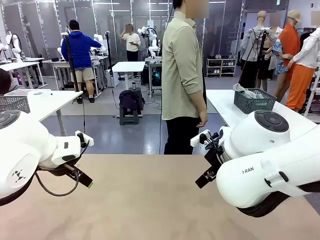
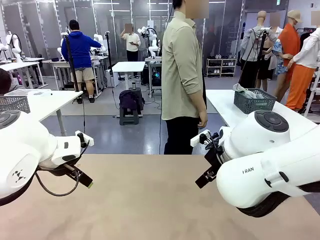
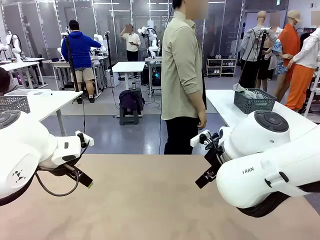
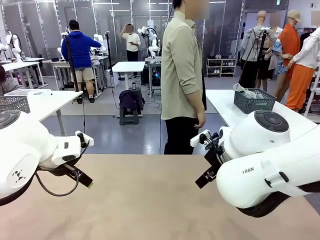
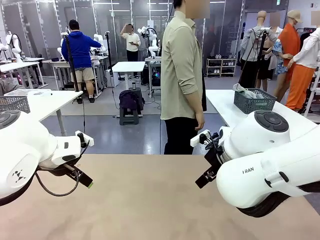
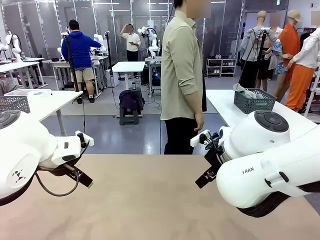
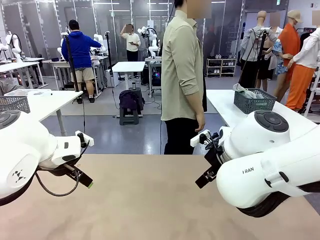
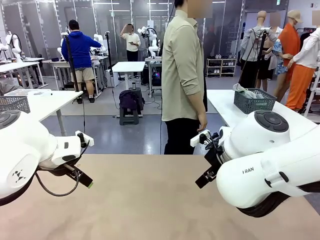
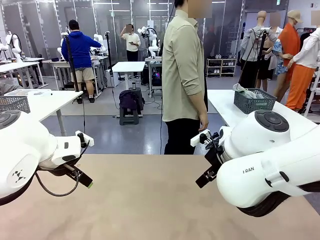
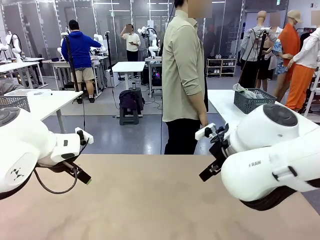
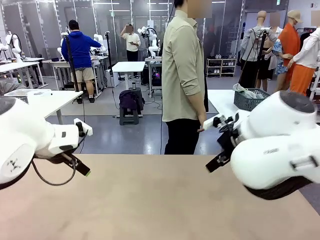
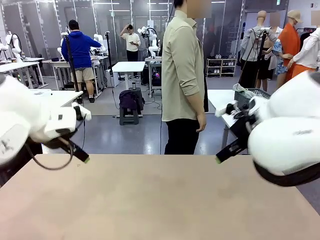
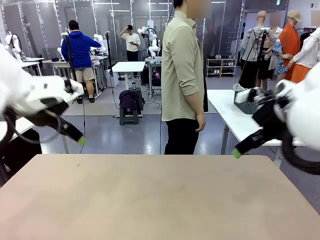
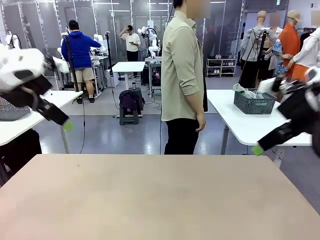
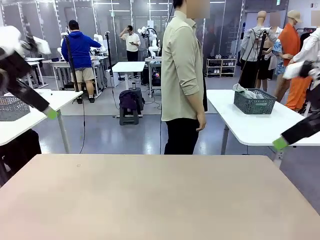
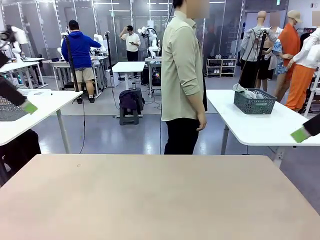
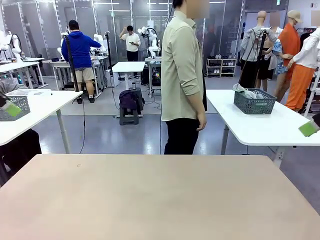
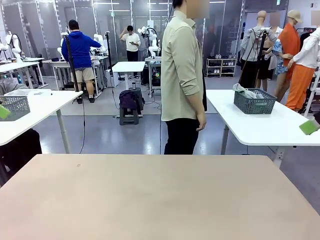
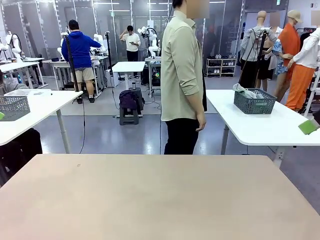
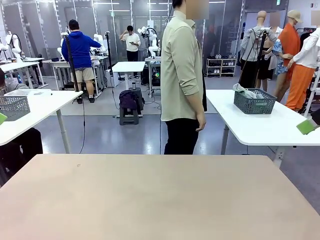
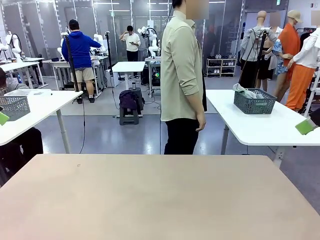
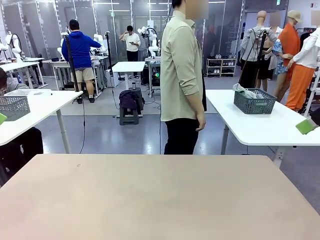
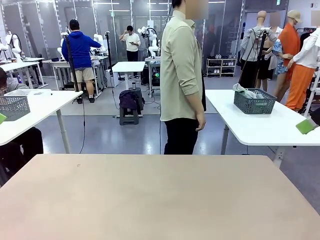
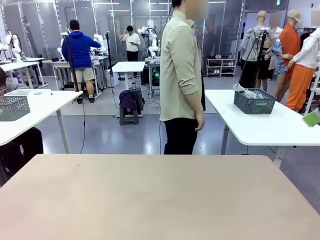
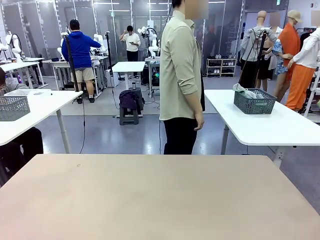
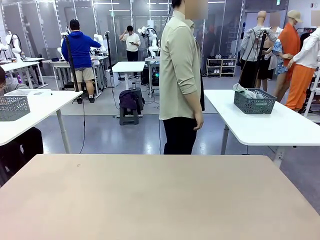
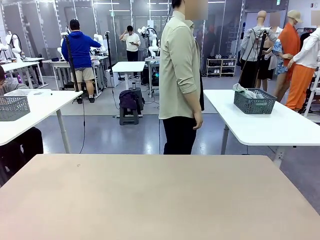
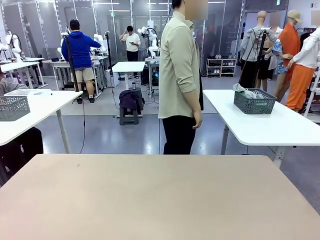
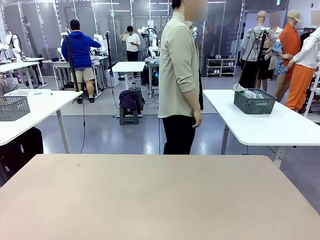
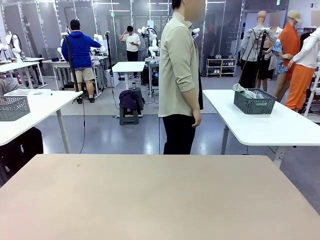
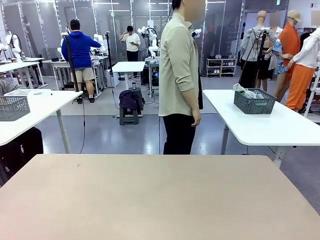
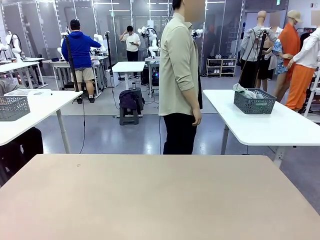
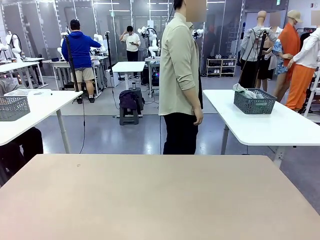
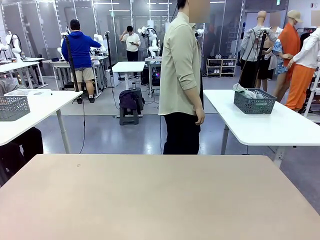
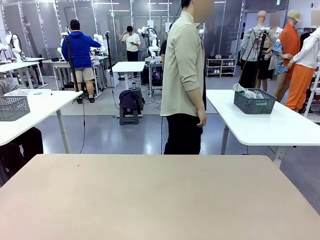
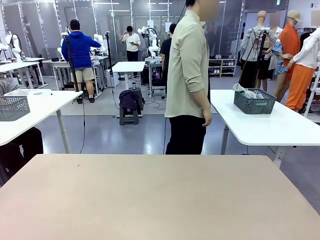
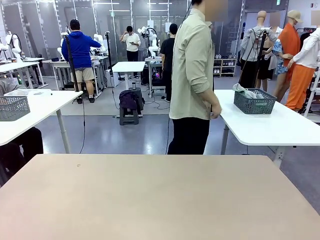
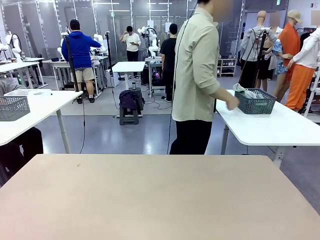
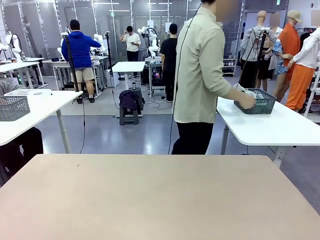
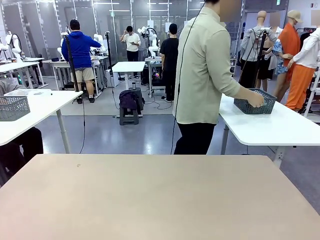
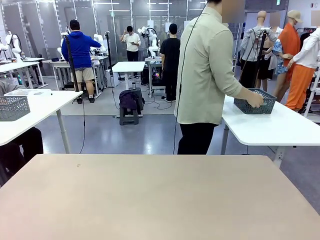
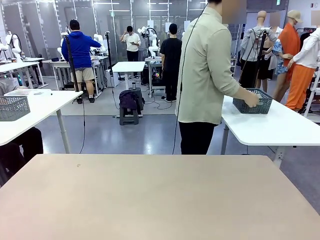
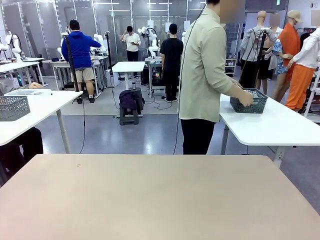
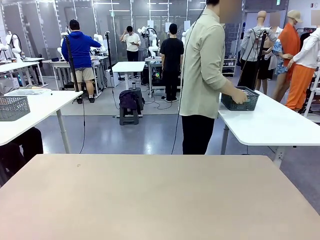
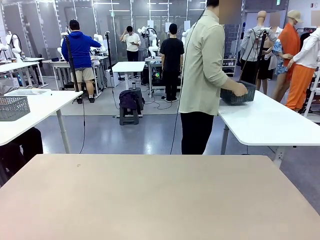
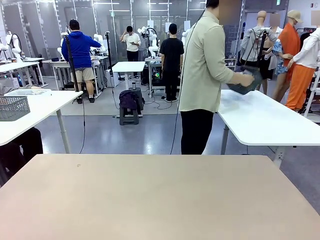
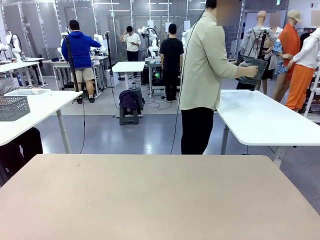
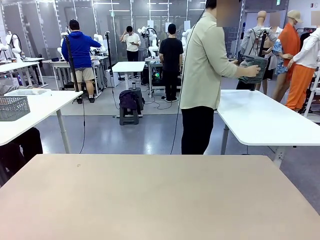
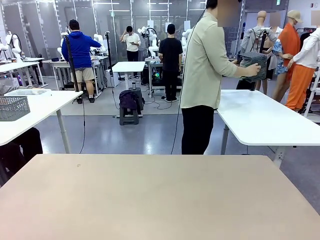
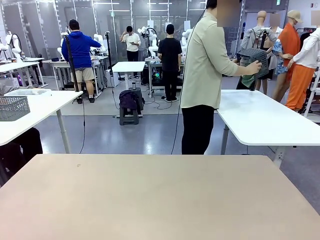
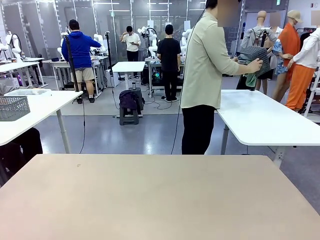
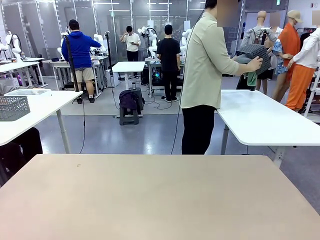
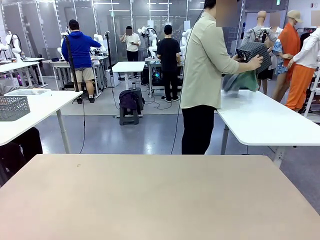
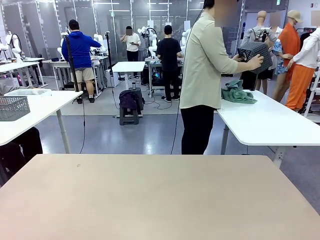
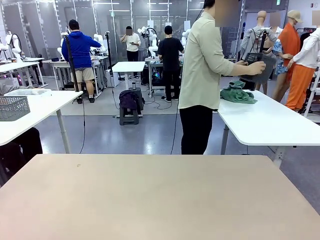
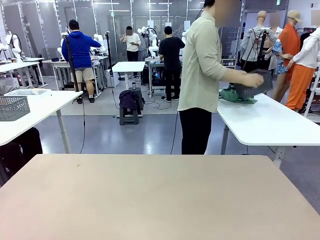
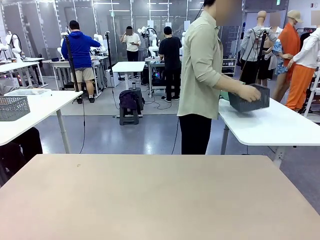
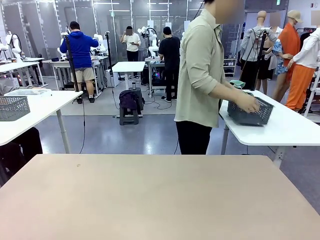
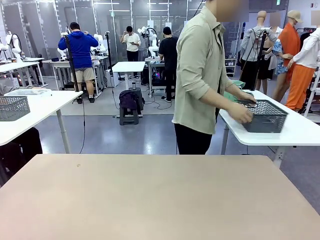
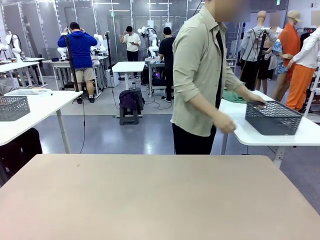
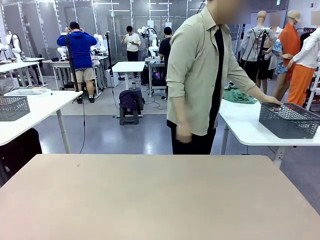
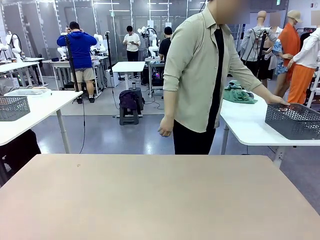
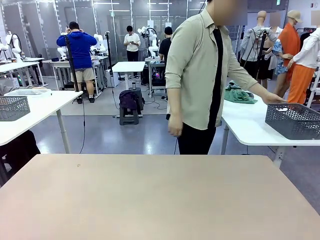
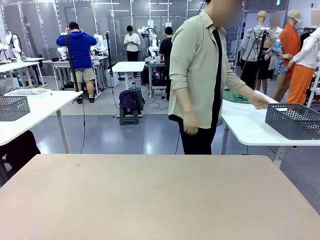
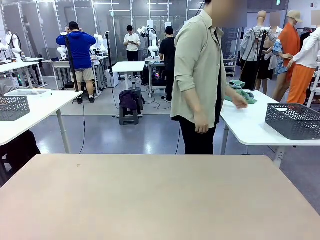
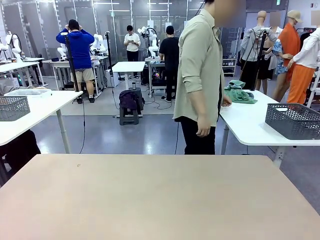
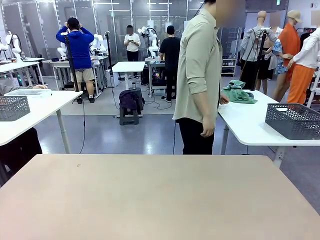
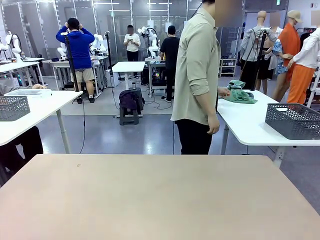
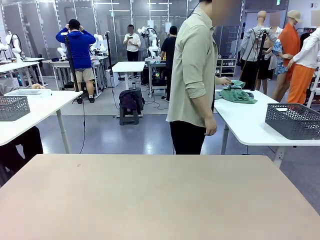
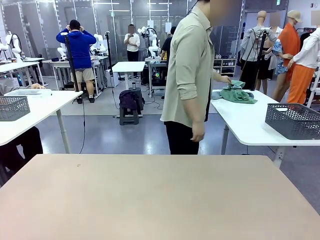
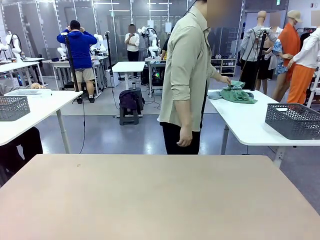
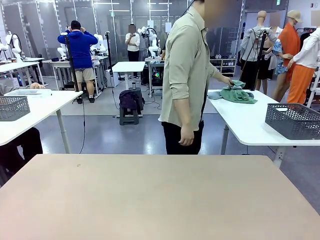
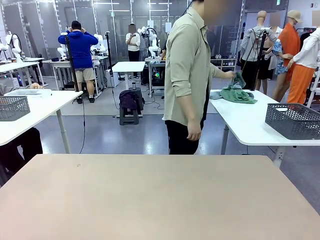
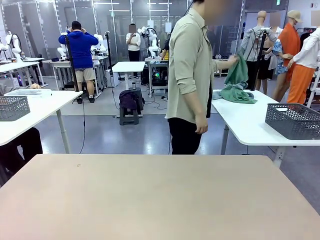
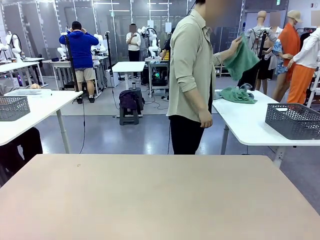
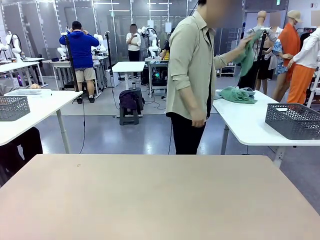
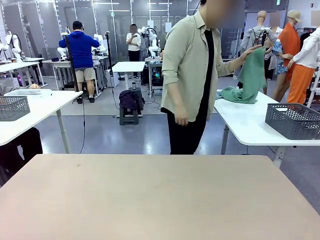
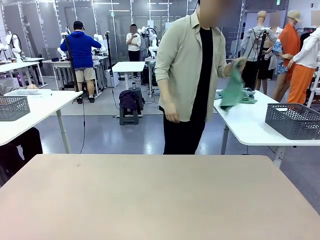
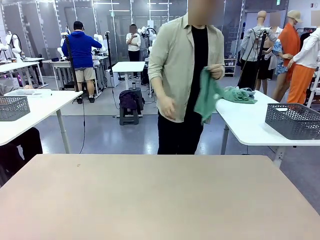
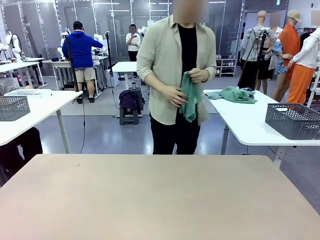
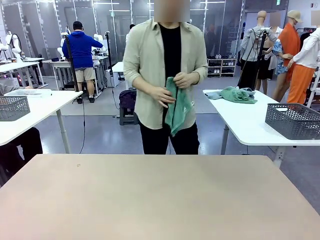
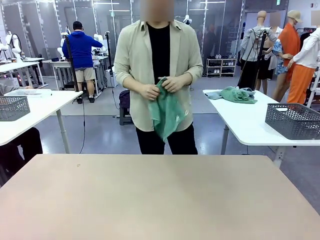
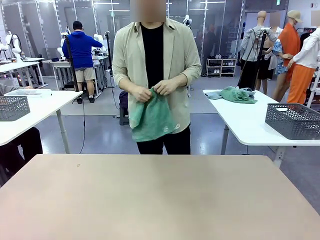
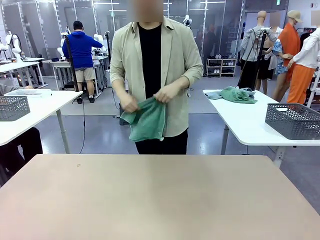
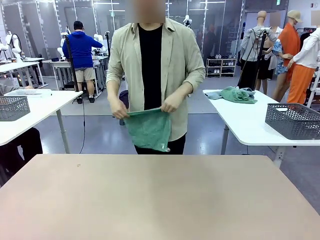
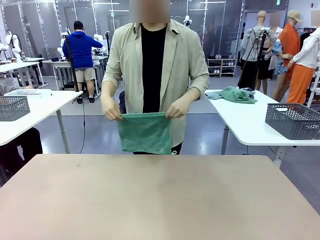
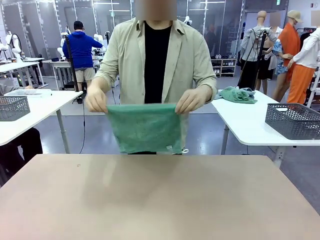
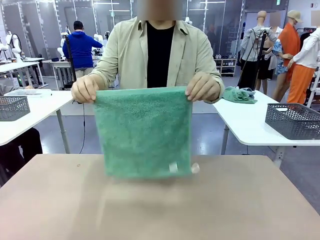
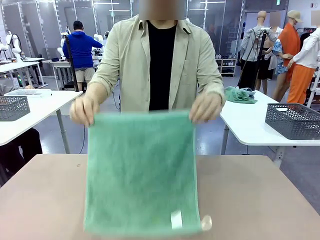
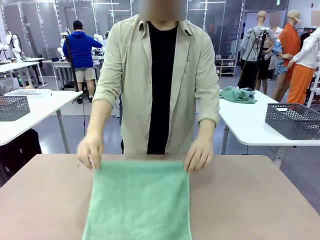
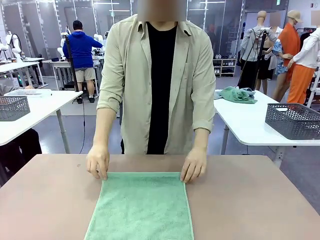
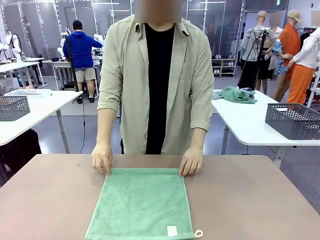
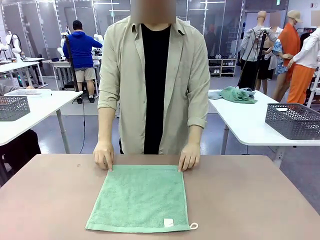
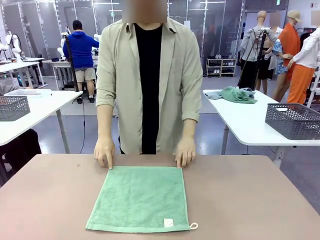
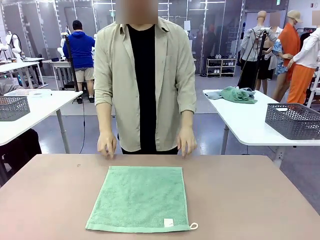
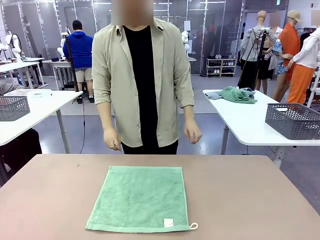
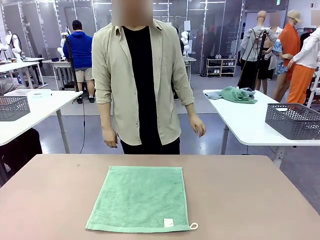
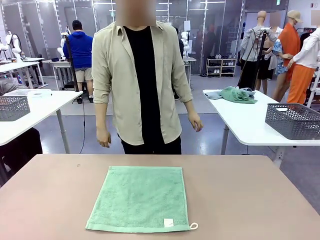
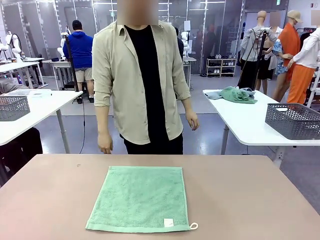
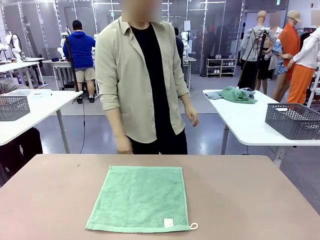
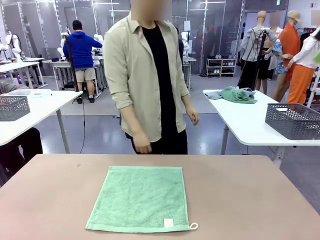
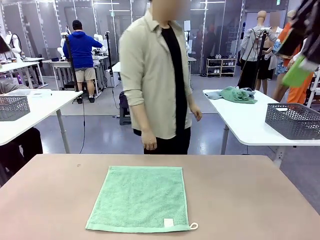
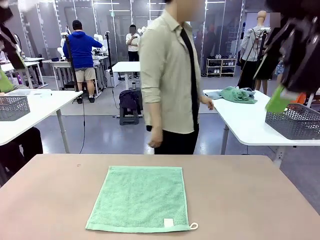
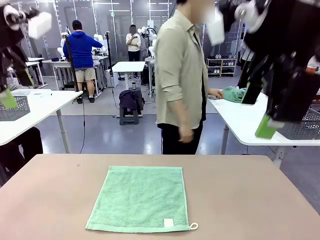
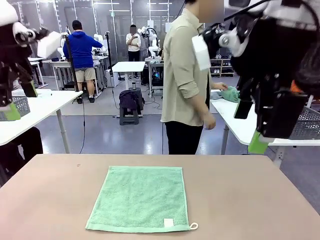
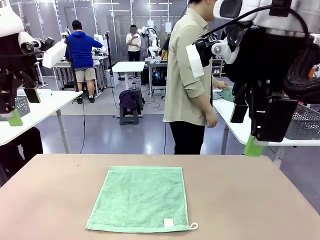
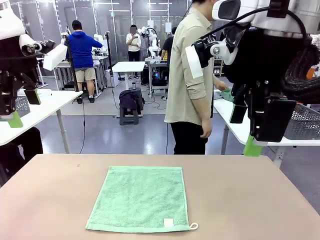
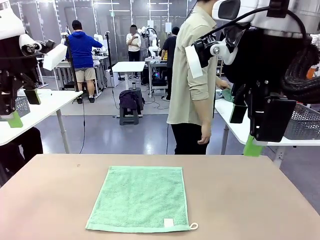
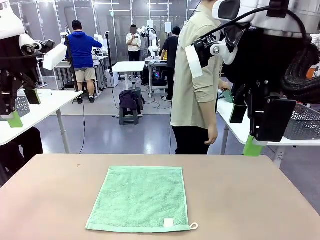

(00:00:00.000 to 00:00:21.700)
Task: Fold the towels and place them in the basket.
Robot: When a person lays out a Towel with hook on the table, fold it in half twice.
Person: Pick up the basket, pour the towels onto the left side of the human table, and place the basket on the right side. Pick up one towel and spread it out at the center of the robot table.
